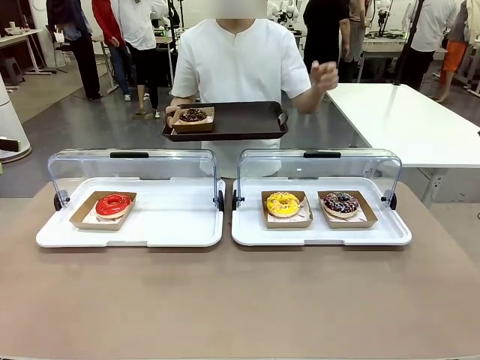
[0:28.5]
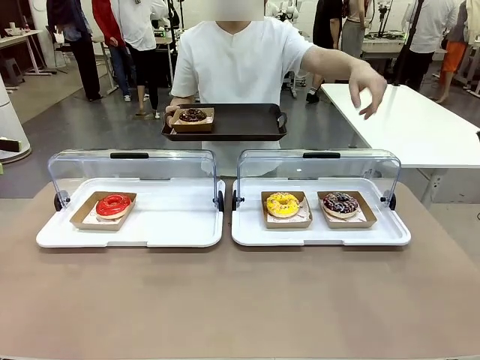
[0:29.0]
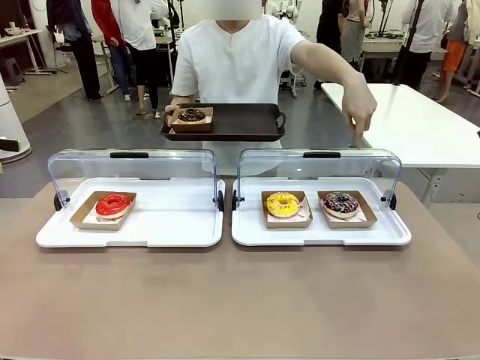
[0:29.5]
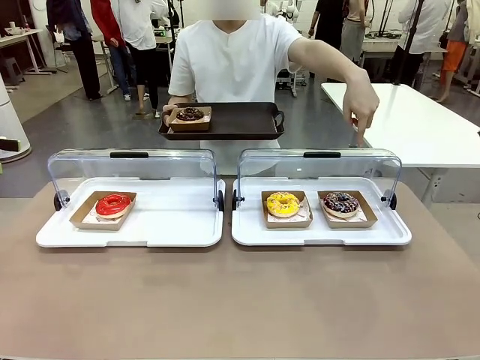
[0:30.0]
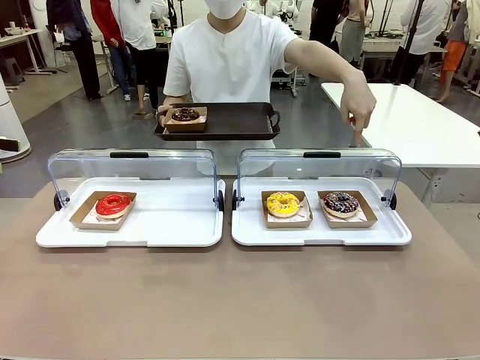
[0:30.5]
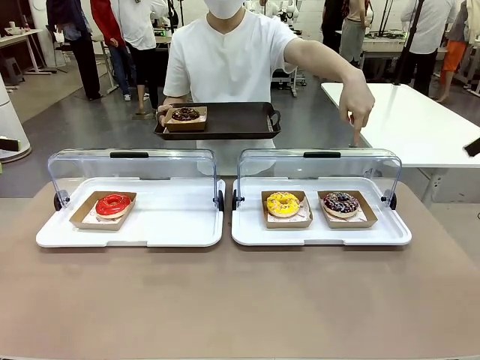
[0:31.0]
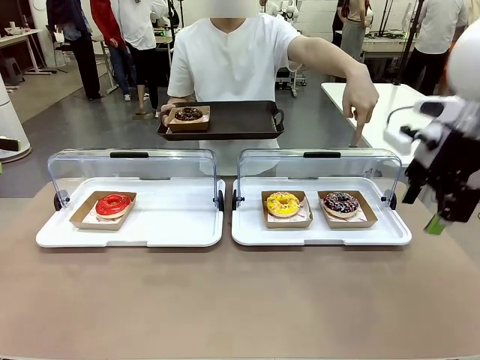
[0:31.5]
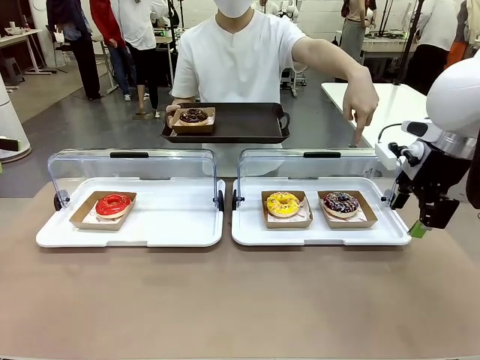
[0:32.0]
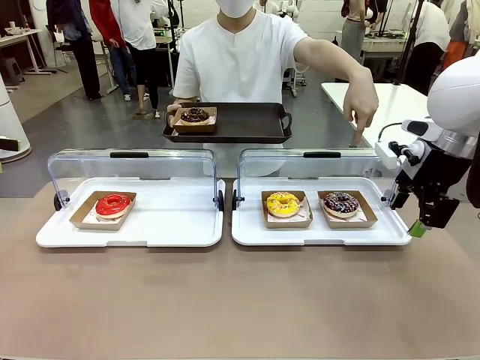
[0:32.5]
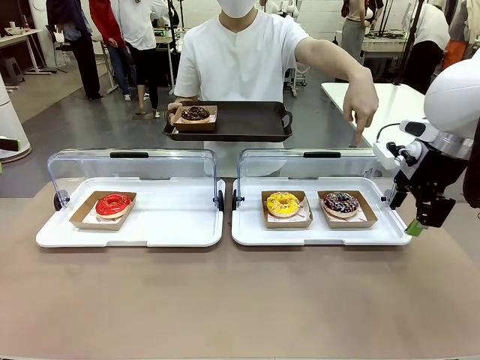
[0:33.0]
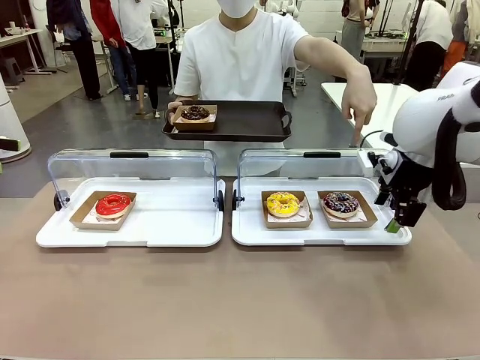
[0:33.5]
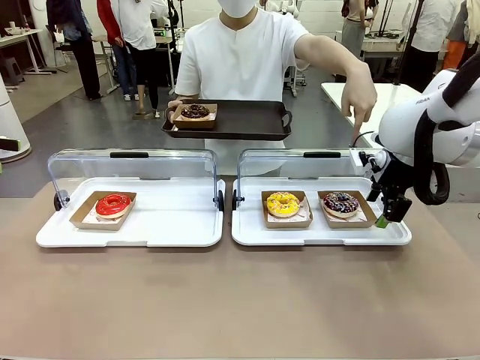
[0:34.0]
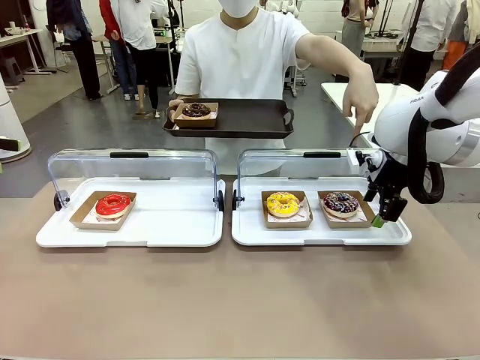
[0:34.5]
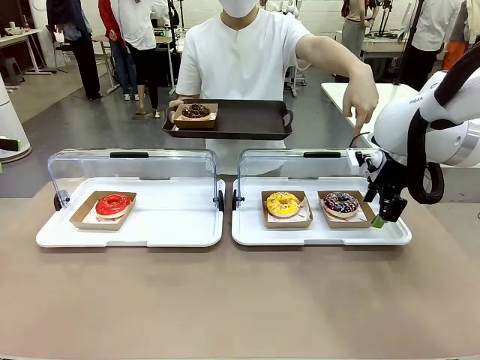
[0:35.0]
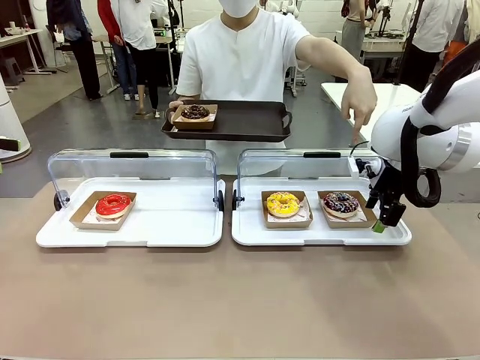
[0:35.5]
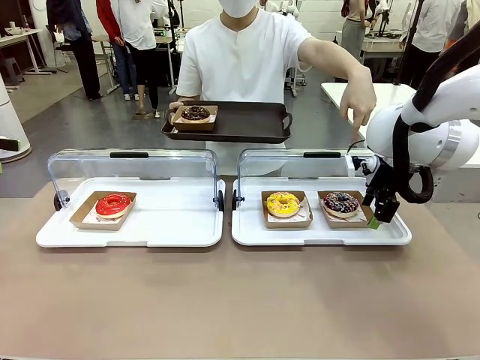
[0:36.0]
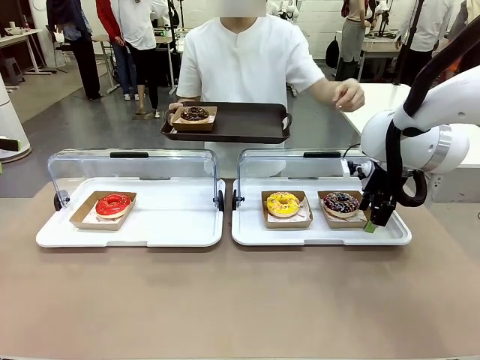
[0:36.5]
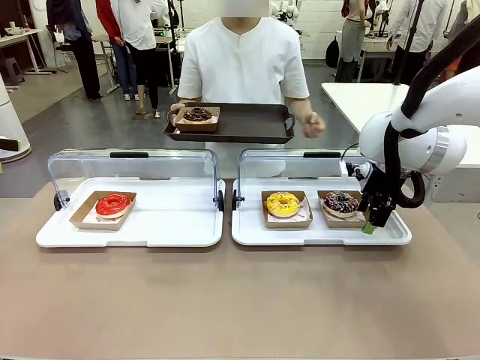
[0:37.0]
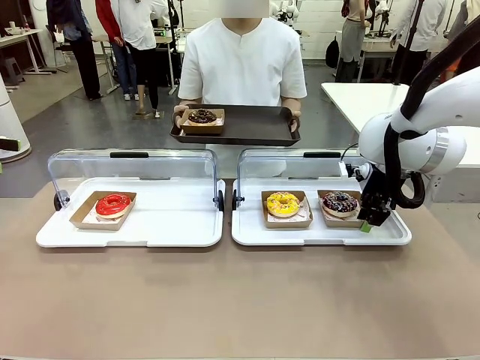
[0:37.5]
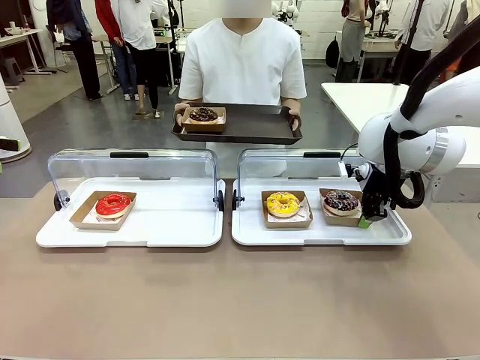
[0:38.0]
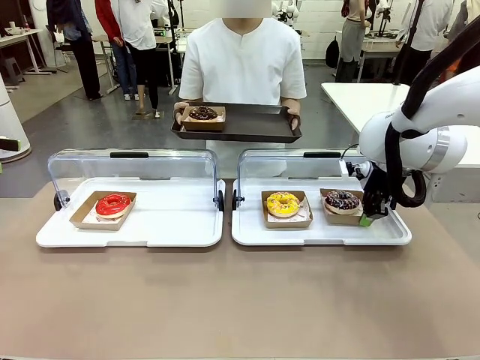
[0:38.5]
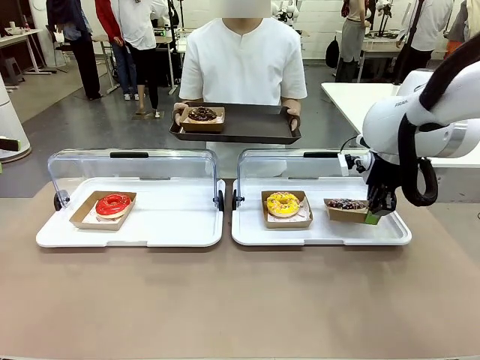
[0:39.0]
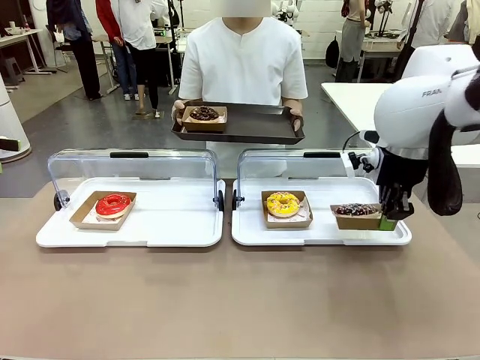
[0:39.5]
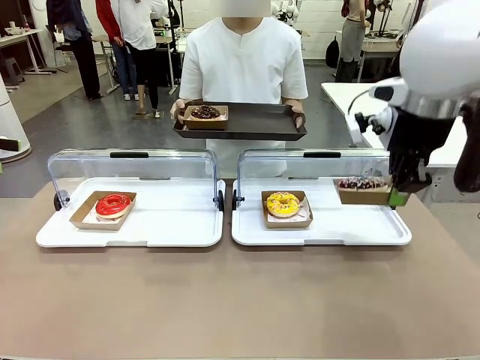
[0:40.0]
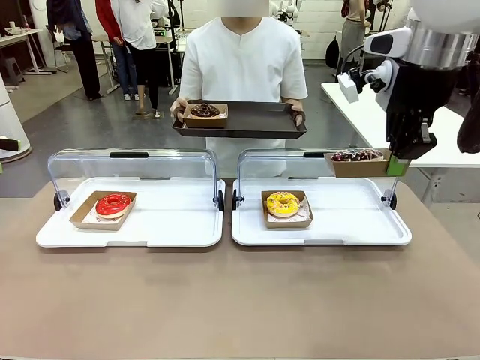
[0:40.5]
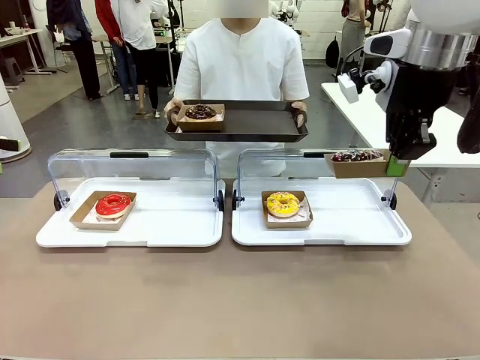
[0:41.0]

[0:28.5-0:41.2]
Task: Provide the desired donut to the person.
Robot: Pick up and lift the Paper togo box containing the Donut pointed at by the person.
Person: Lift the tray onto the Roll-Top Bakery Case.

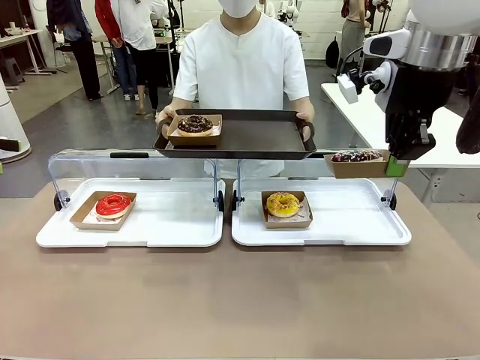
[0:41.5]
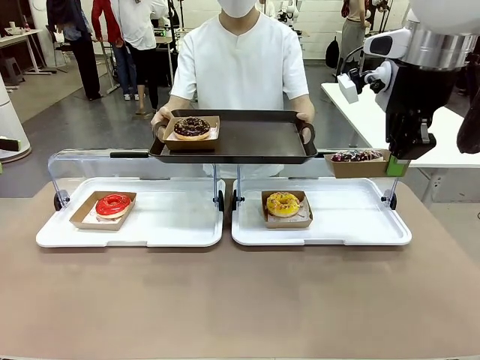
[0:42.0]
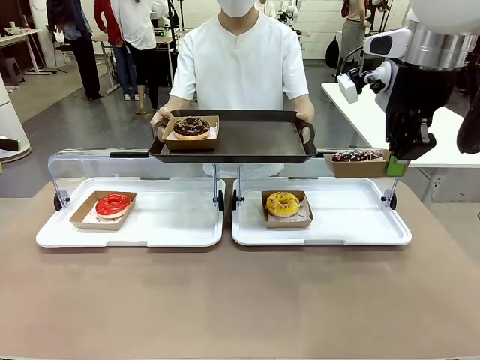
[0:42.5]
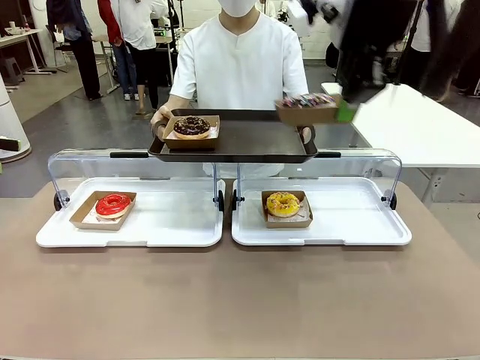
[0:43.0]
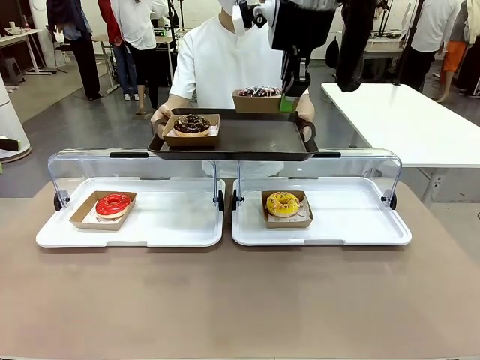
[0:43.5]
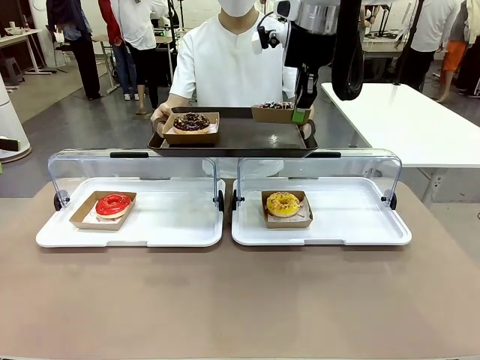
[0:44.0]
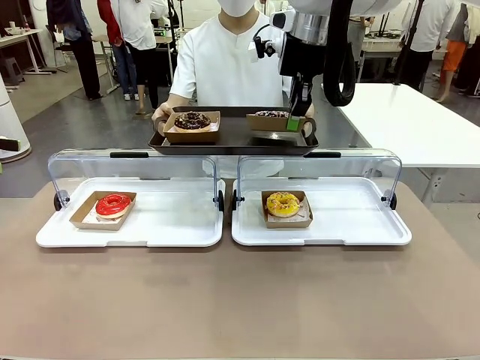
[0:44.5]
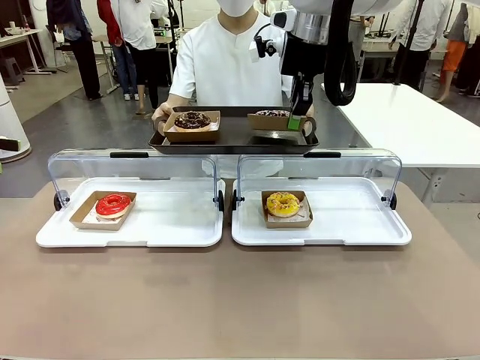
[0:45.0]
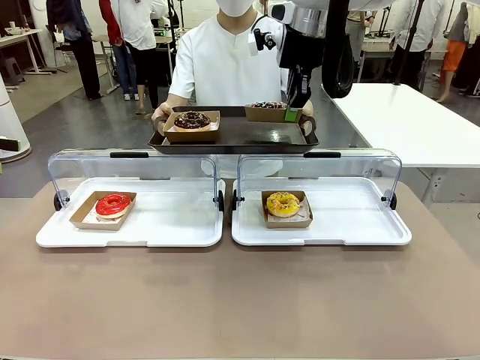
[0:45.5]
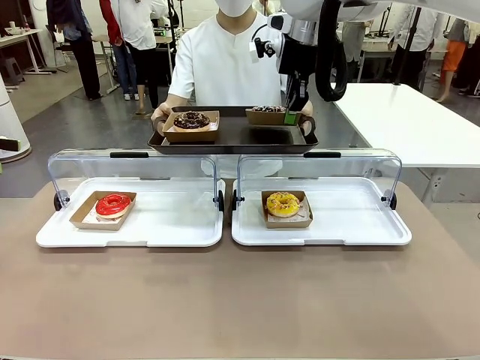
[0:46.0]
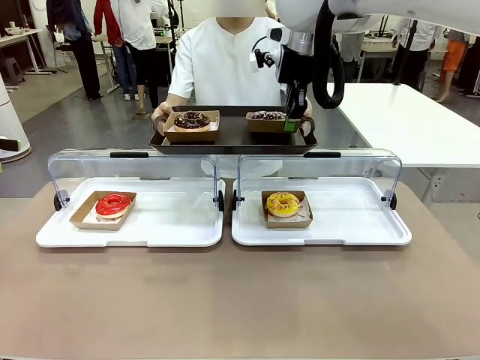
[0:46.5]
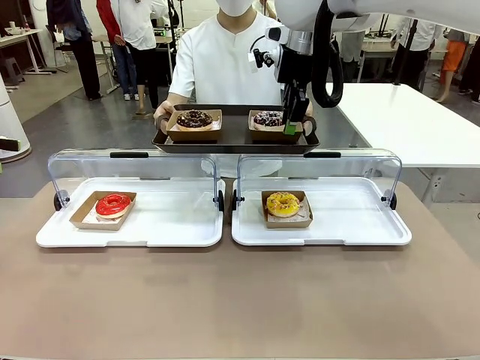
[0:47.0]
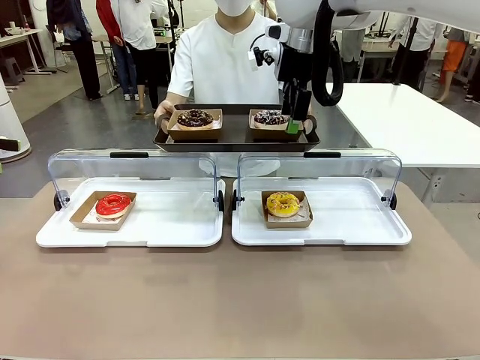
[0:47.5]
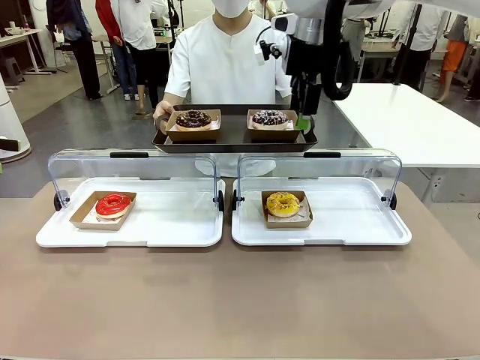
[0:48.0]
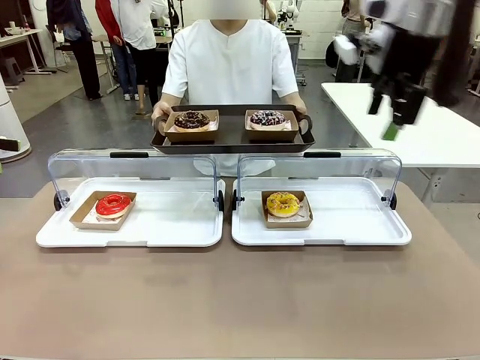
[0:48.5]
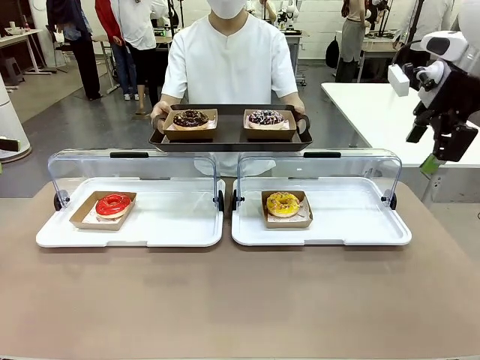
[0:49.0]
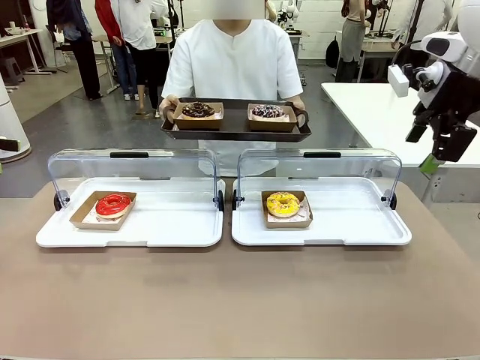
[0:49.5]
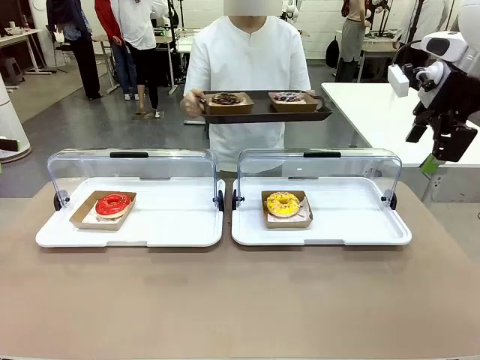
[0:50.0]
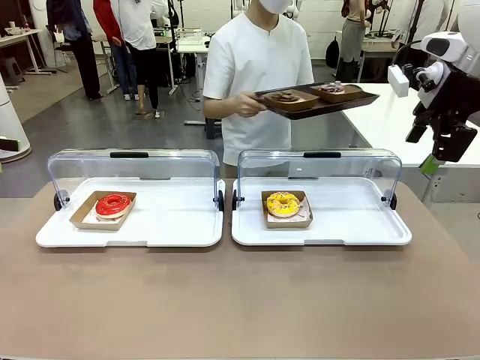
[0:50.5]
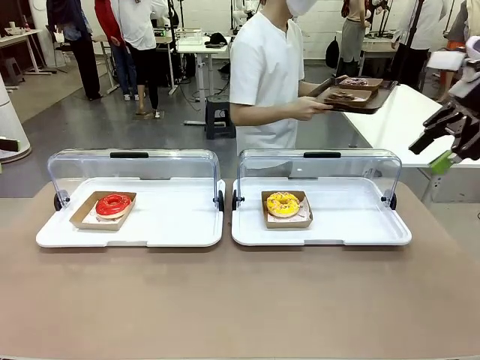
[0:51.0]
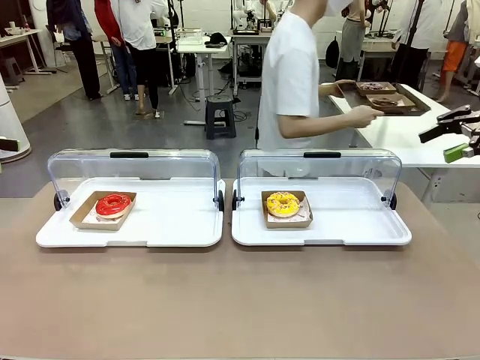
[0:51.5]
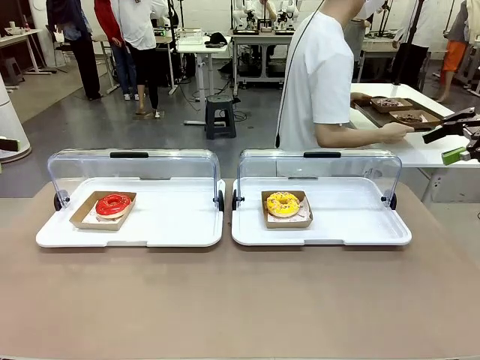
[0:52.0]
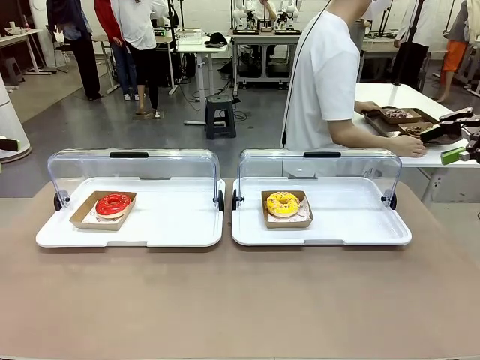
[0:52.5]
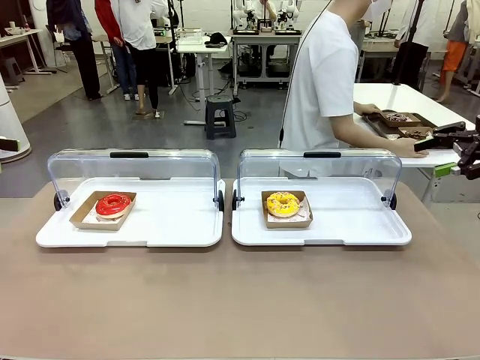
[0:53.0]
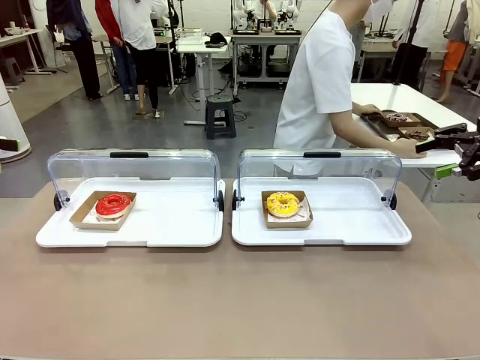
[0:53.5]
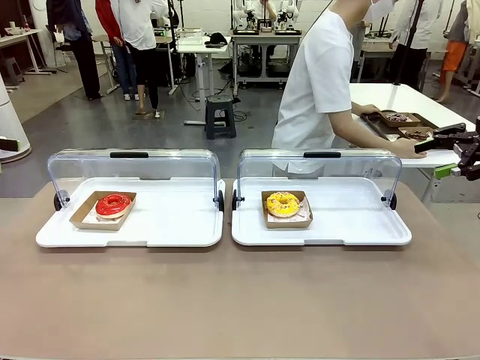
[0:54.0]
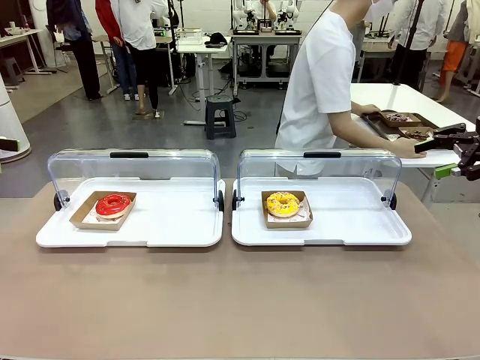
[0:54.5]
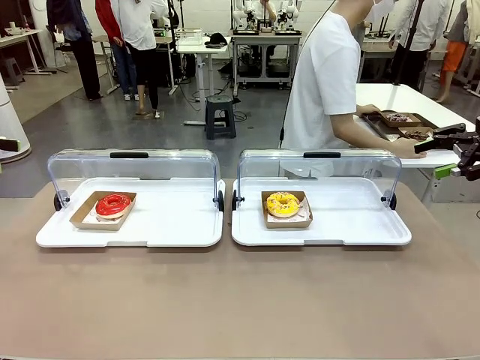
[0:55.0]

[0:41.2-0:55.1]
Robot: Place the picked Paper togo box onto the Handle tray extended by the person.
Person: Place the tray in the middle of the human table.
